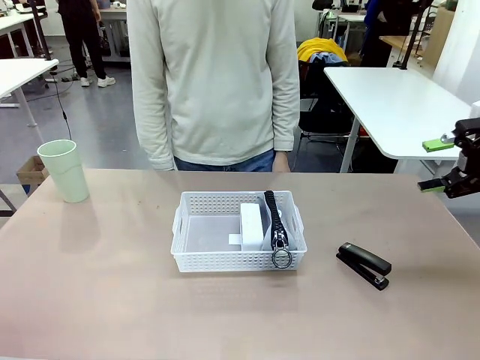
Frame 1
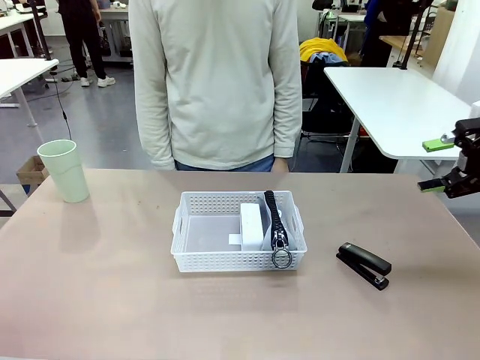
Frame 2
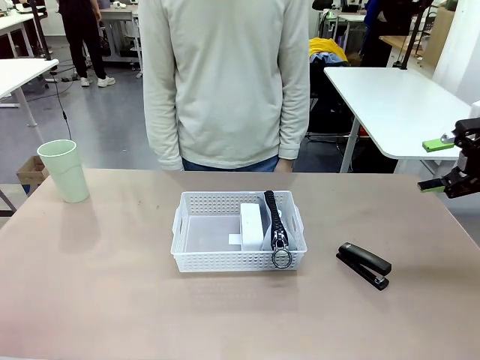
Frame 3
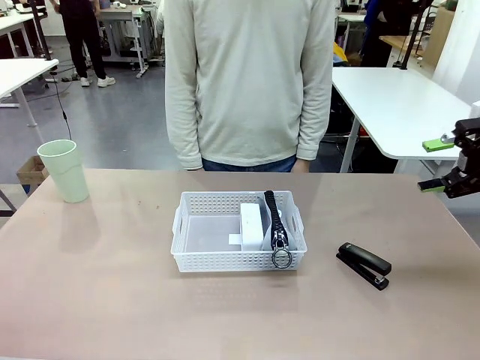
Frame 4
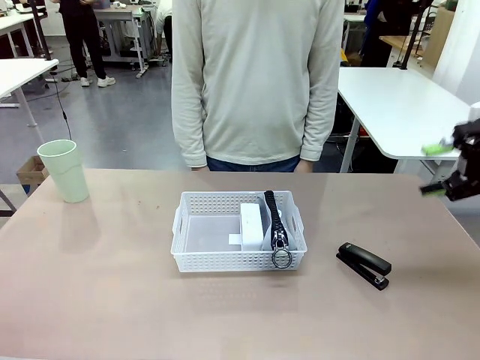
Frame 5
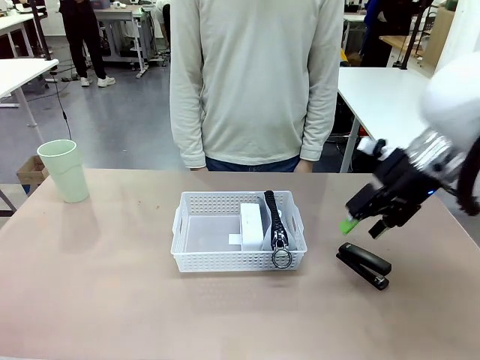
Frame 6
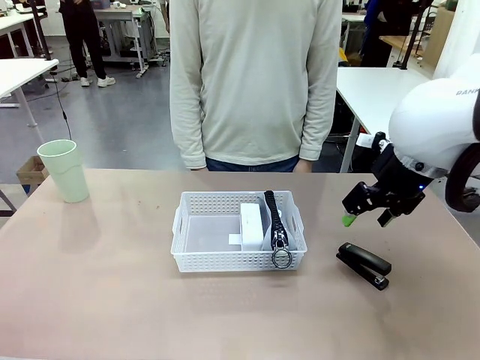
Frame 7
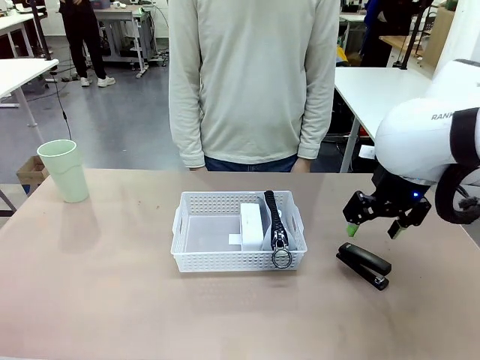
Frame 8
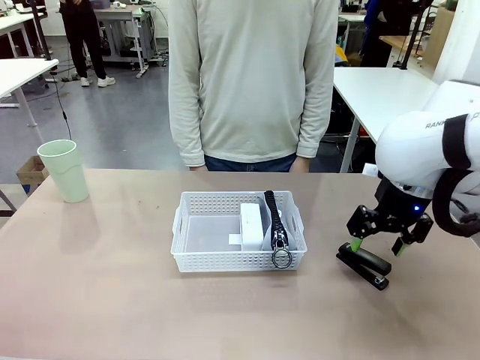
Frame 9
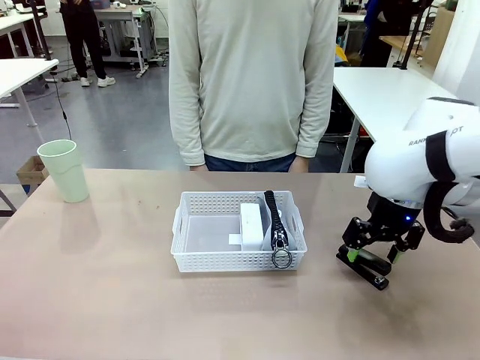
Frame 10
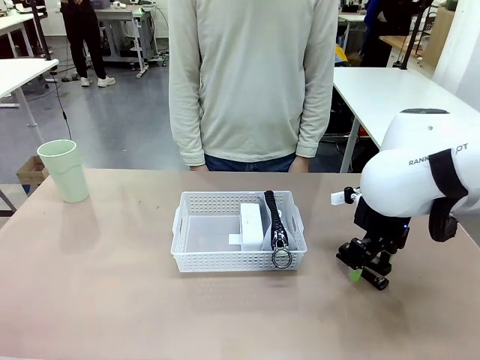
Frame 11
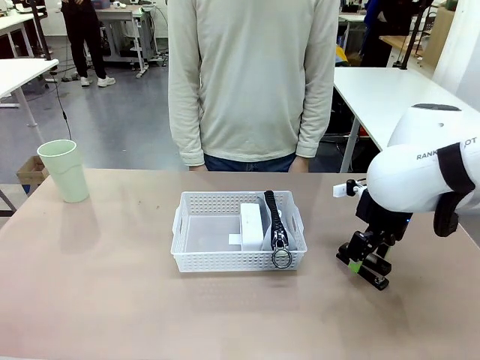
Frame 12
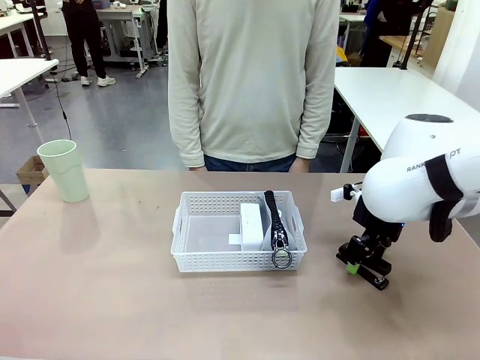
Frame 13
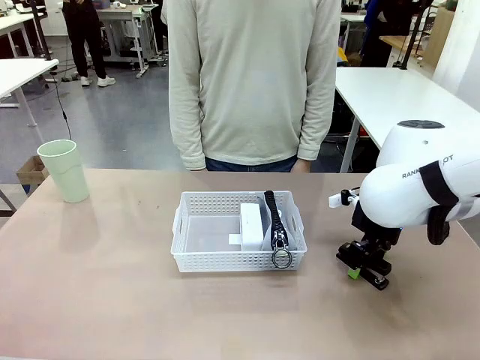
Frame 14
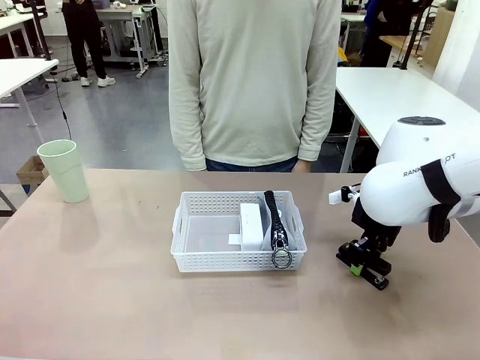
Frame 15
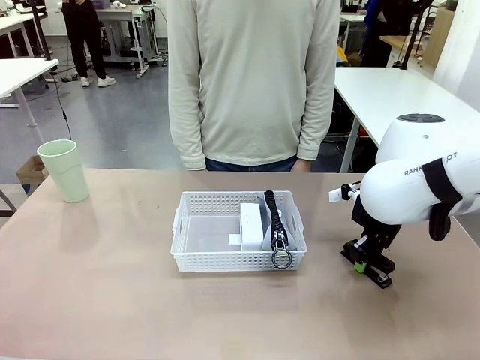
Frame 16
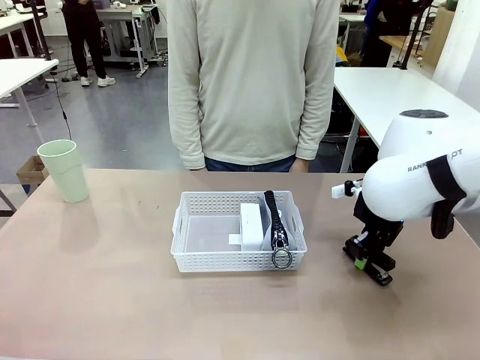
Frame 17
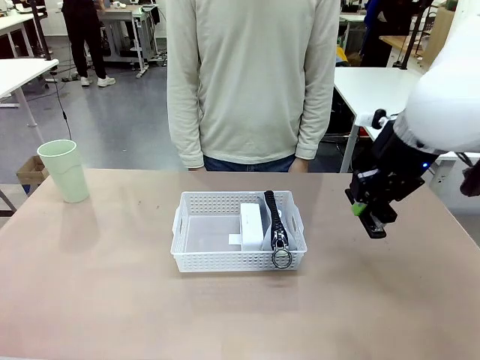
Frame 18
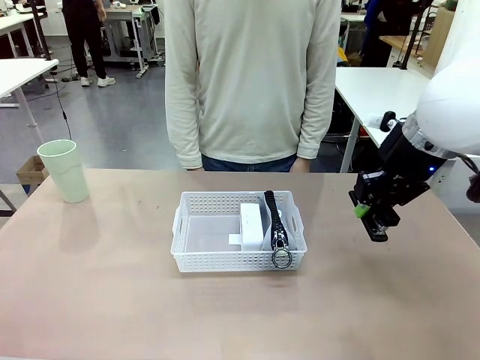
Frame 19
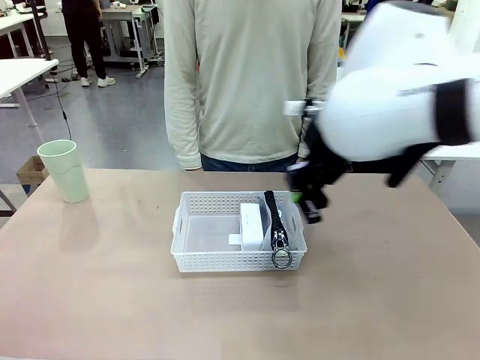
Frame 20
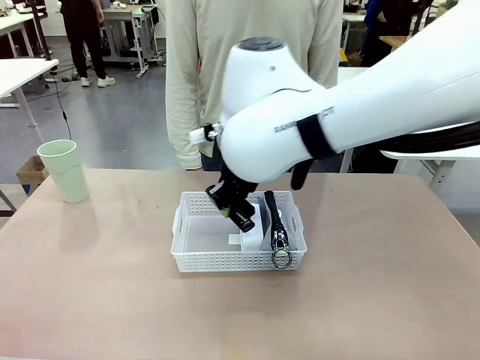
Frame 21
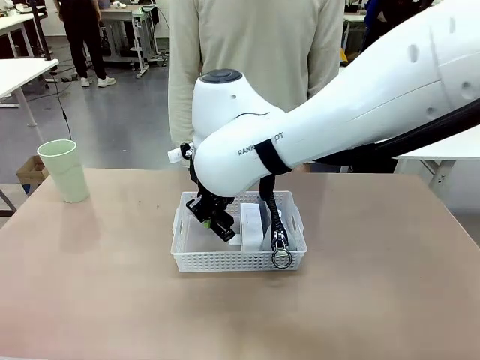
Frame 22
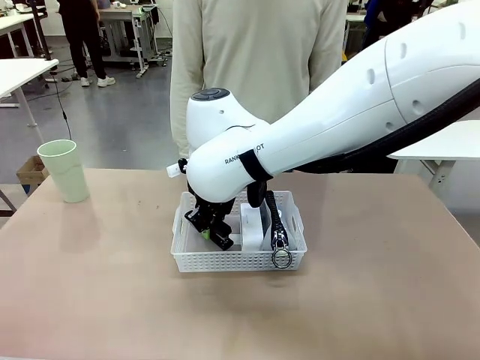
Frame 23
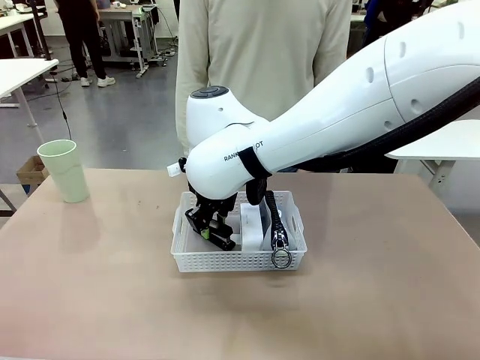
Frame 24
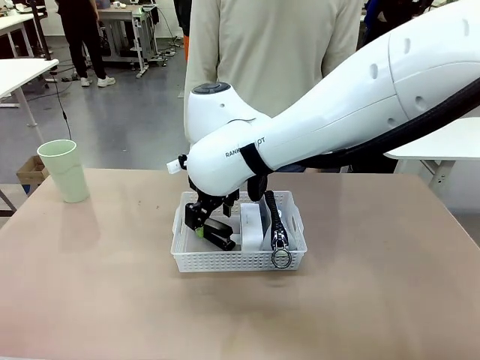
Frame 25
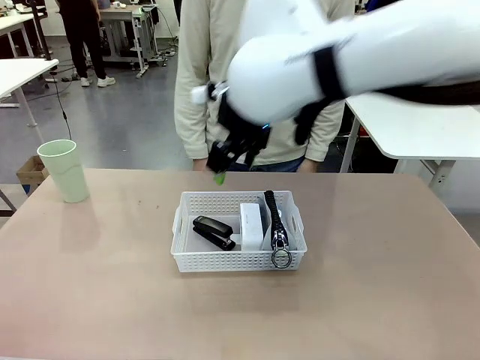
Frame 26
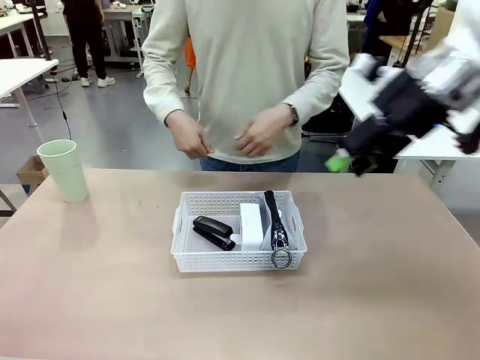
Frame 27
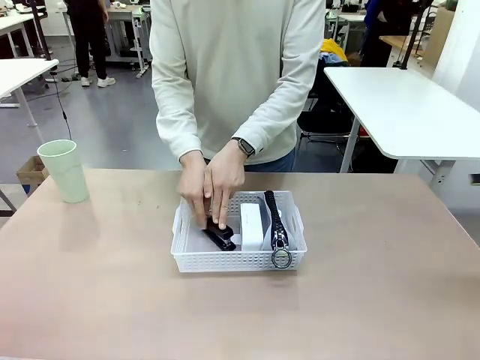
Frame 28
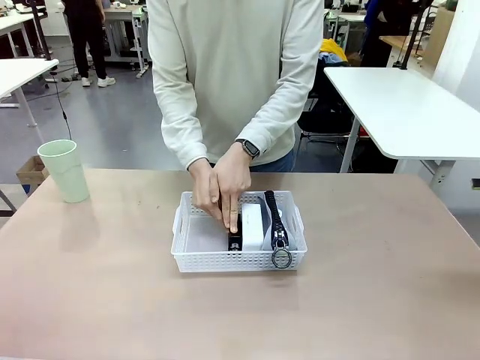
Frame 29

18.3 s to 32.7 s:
Task: Efficiently arrange items inside the basket to fit them all.
Robot: Pick up the Stapler and place it inside the Organizing basket.

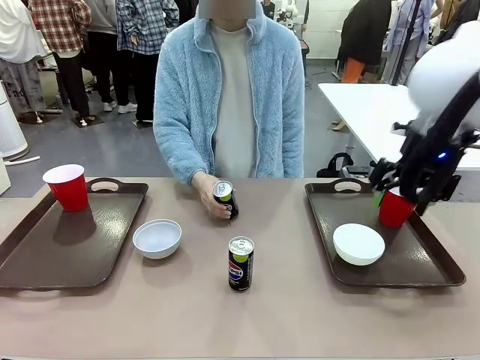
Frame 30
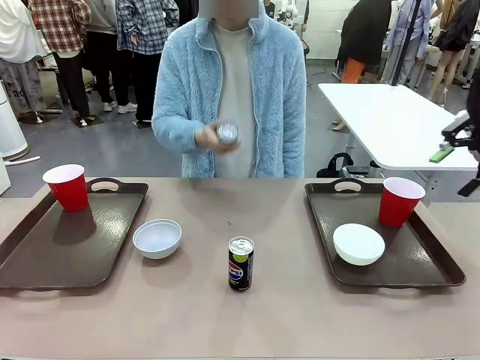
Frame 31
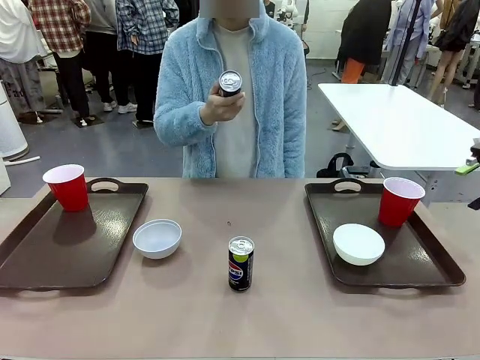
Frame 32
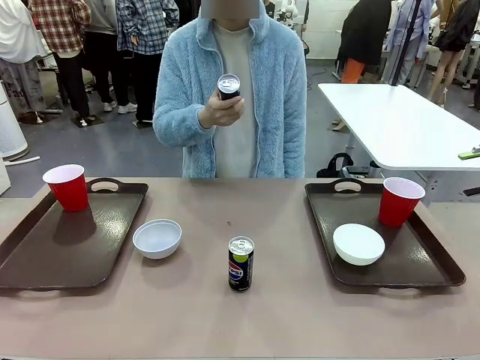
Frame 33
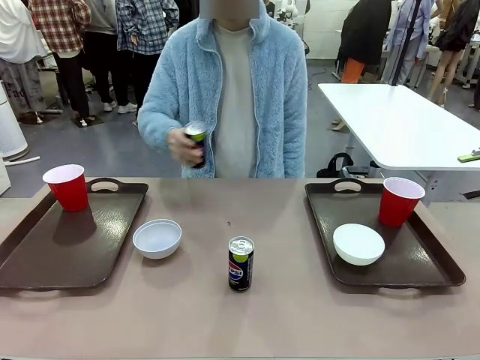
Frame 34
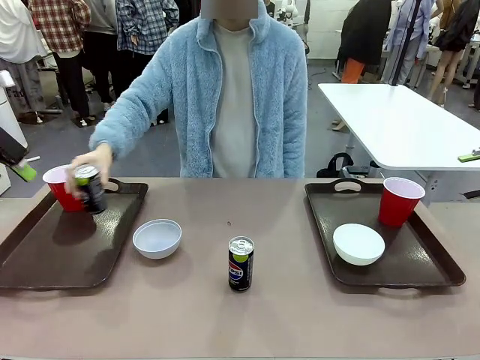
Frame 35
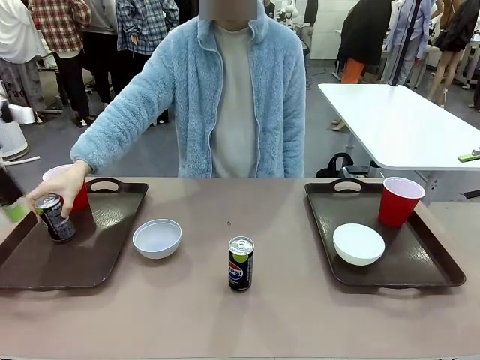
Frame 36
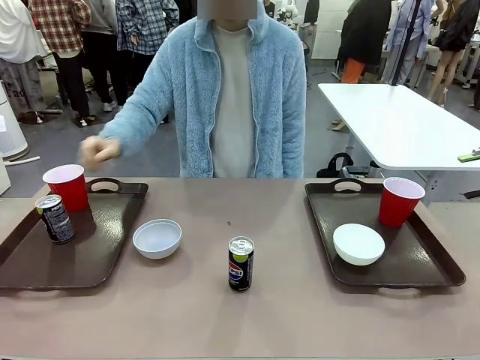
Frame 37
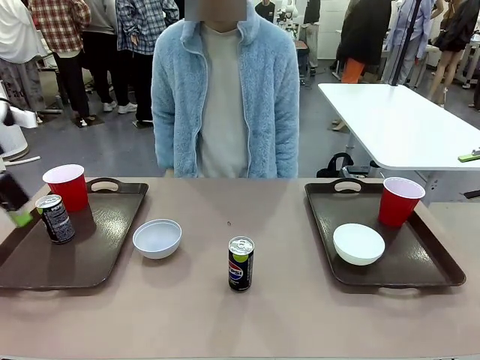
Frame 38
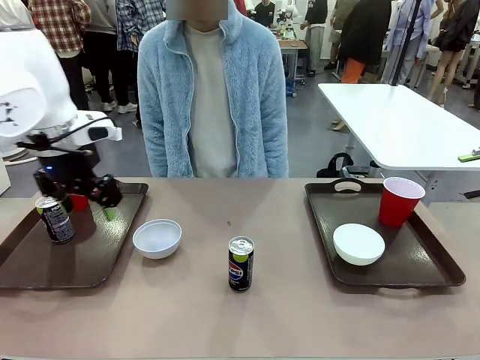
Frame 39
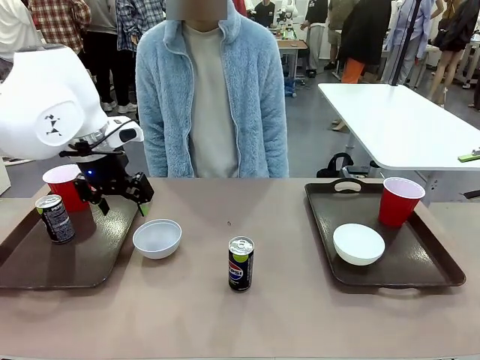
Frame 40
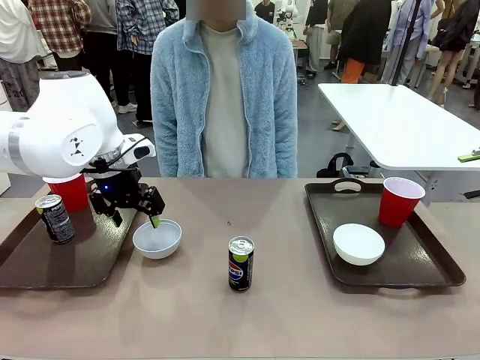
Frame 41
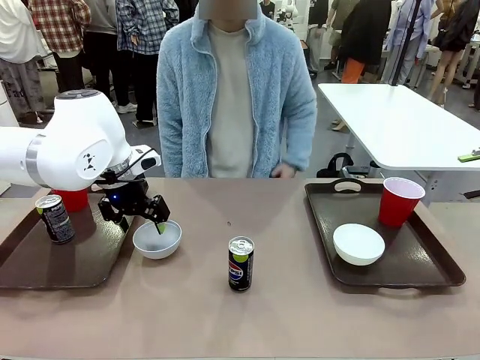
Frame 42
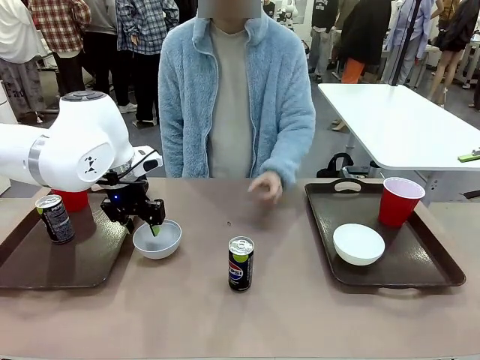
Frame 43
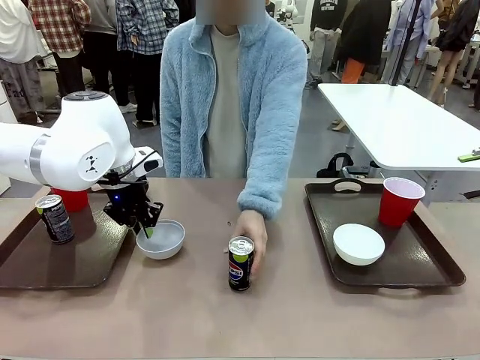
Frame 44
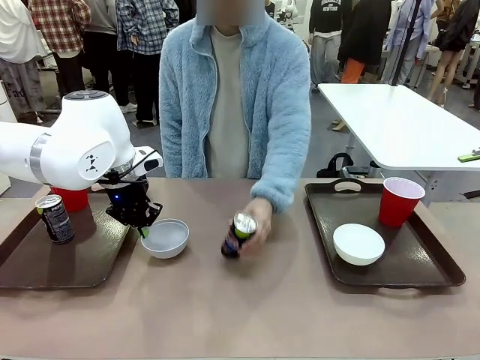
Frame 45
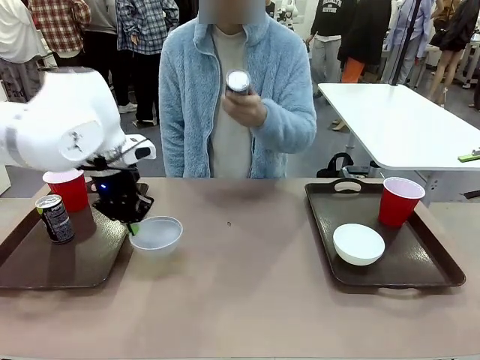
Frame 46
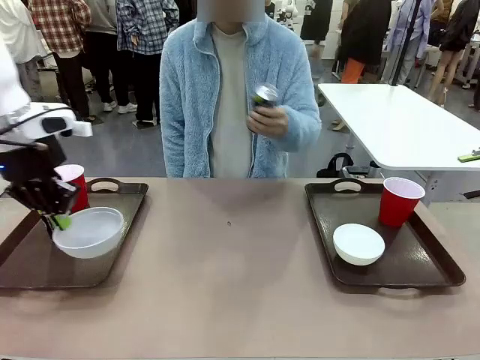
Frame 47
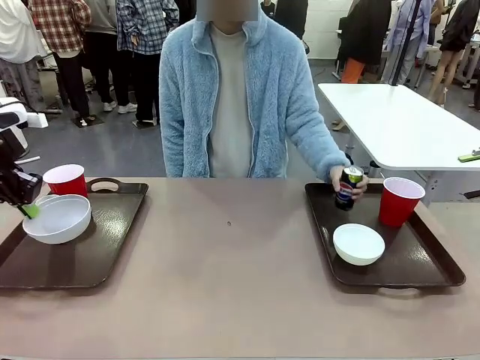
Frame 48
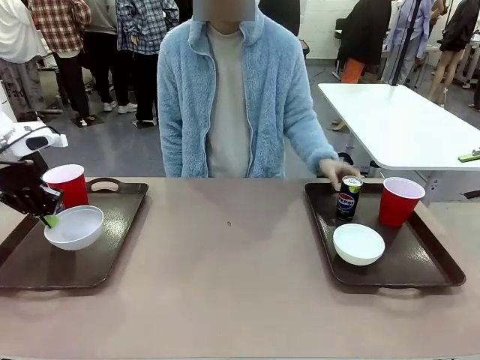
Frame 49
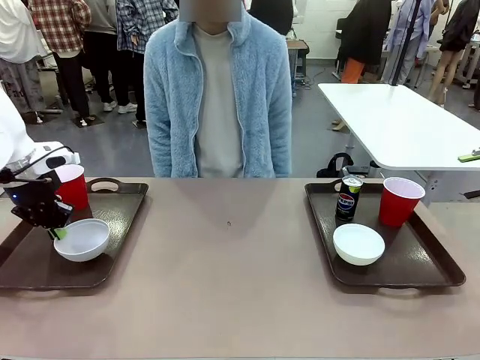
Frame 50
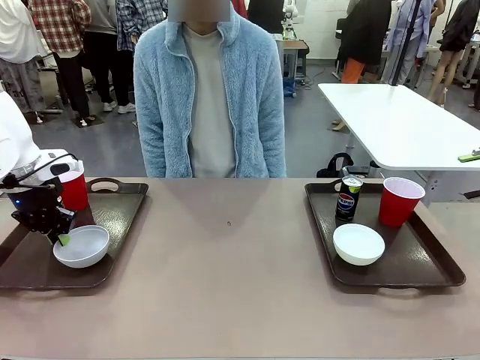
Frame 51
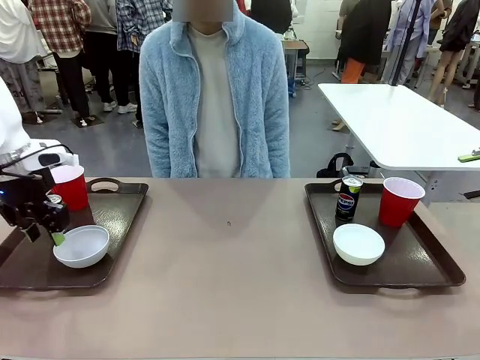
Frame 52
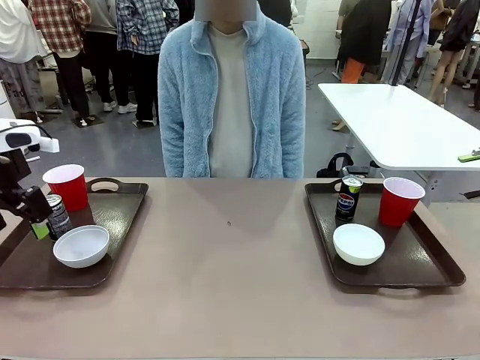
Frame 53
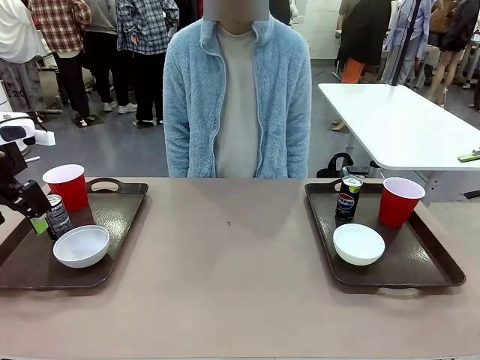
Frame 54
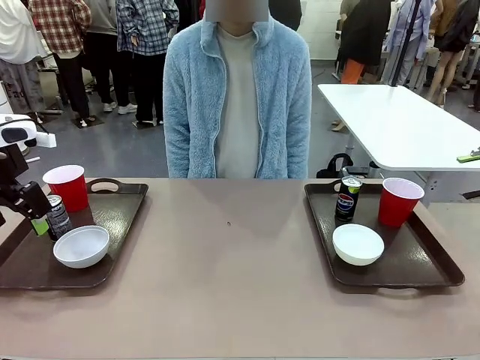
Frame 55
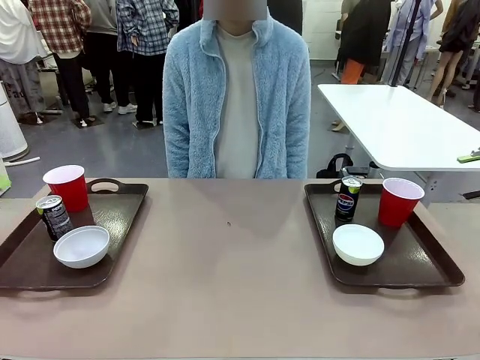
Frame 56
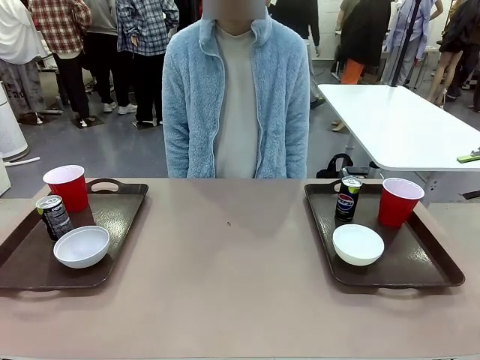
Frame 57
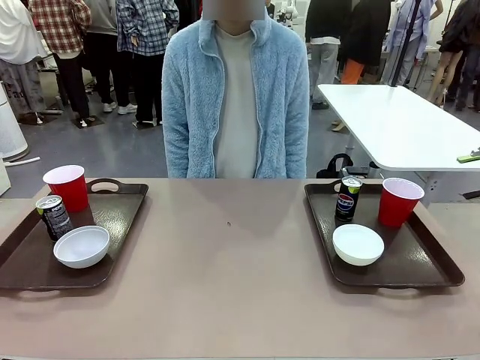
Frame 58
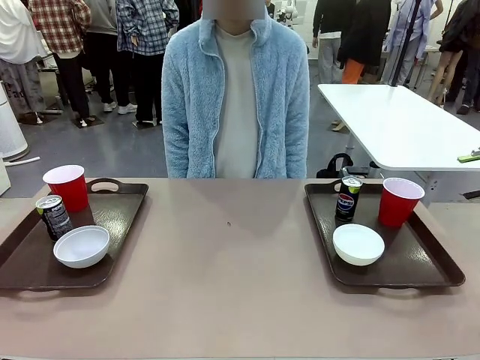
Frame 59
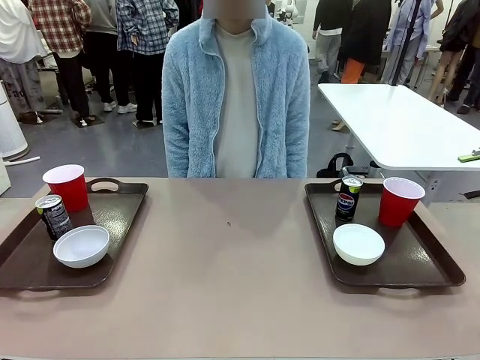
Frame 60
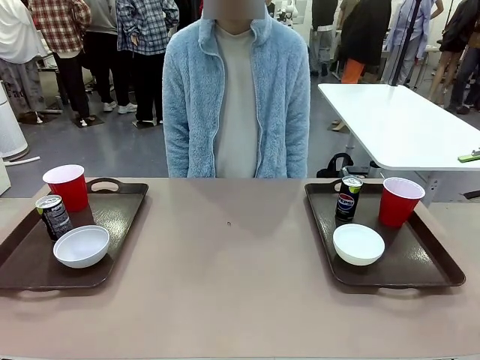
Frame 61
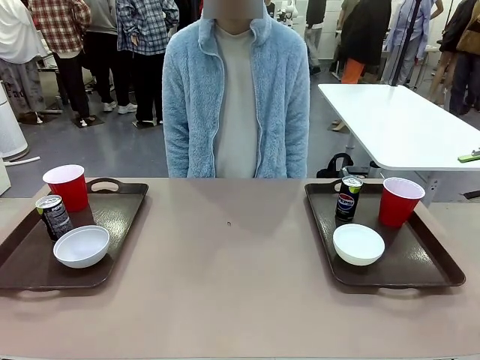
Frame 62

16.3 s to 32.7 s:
Task: Prepare tableware on both trays.
Robot: Pick up a Picnic Bowl from the table and place it on a Handle tray.
Person: Pick up a can or cup and place it on the tray without a can or cup.
